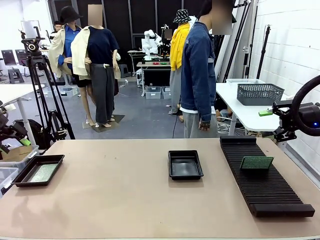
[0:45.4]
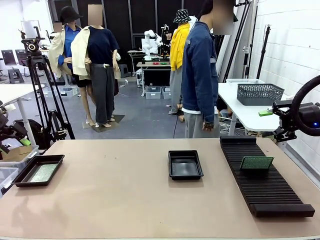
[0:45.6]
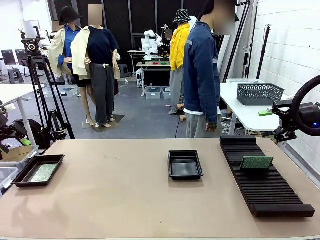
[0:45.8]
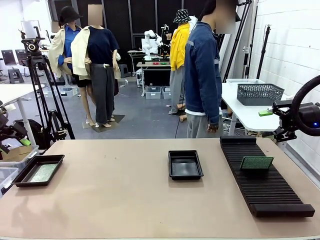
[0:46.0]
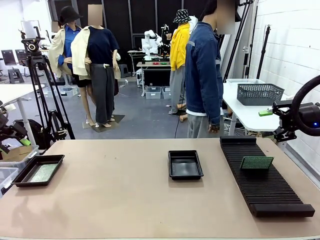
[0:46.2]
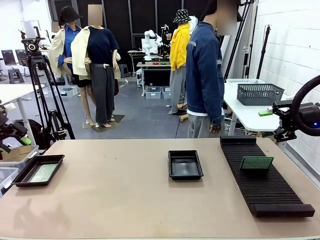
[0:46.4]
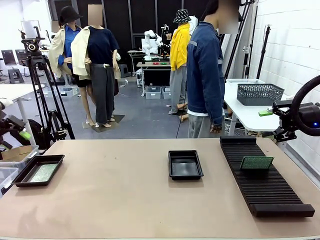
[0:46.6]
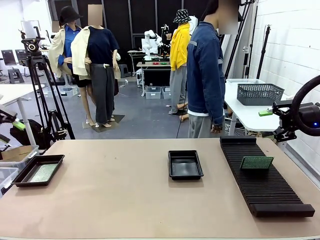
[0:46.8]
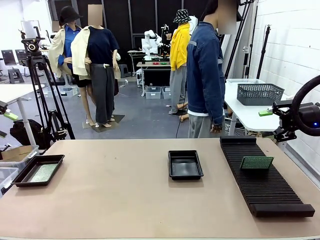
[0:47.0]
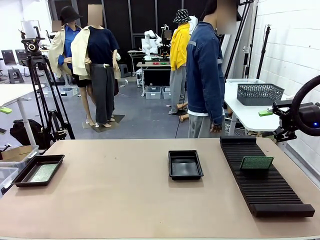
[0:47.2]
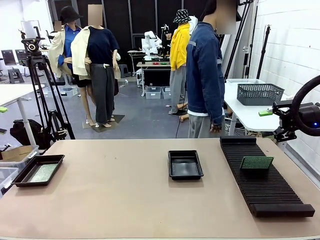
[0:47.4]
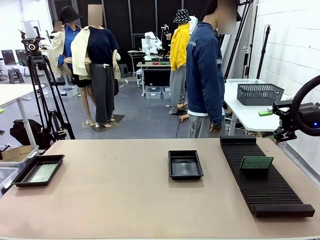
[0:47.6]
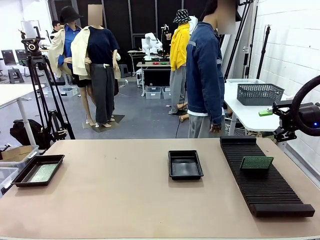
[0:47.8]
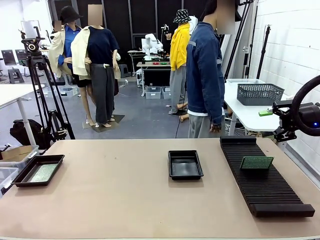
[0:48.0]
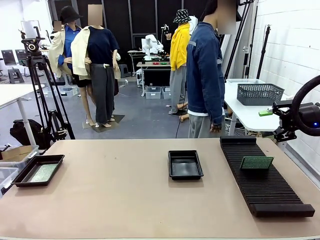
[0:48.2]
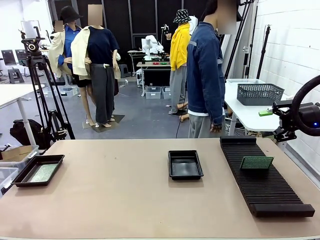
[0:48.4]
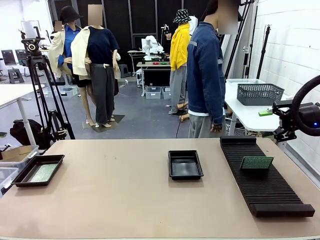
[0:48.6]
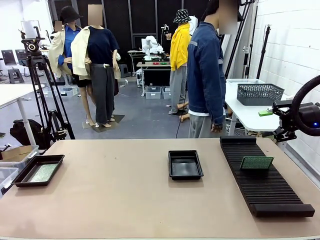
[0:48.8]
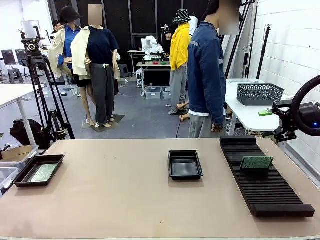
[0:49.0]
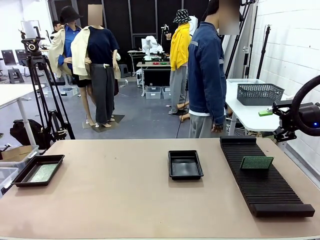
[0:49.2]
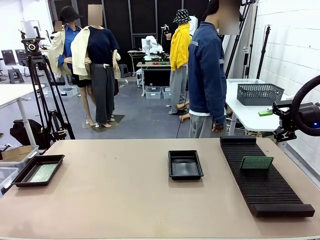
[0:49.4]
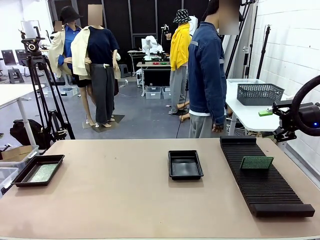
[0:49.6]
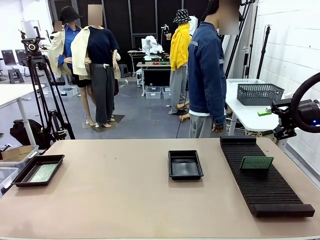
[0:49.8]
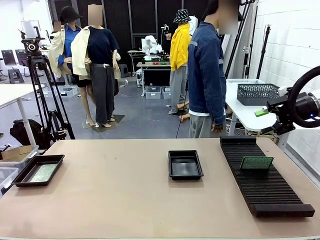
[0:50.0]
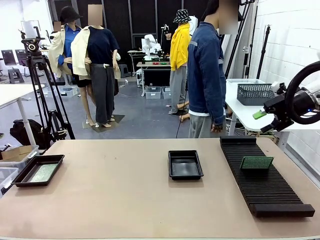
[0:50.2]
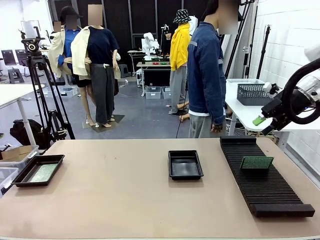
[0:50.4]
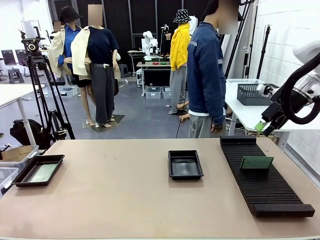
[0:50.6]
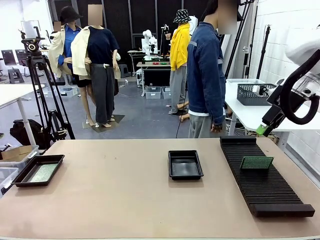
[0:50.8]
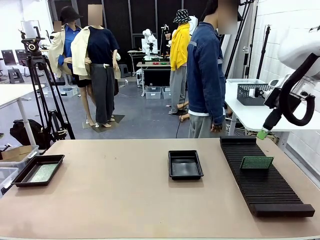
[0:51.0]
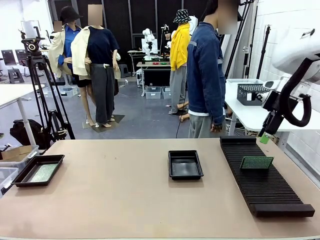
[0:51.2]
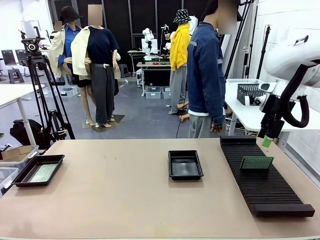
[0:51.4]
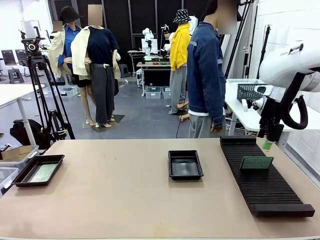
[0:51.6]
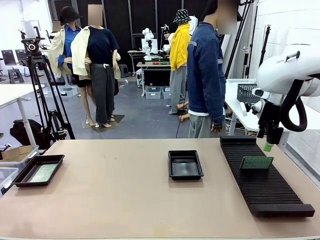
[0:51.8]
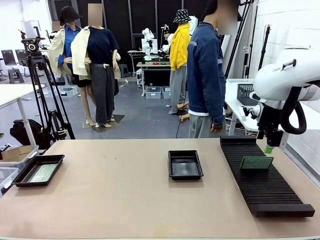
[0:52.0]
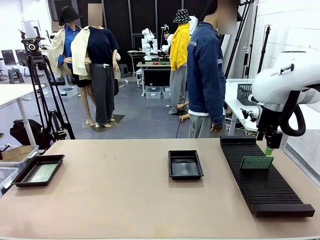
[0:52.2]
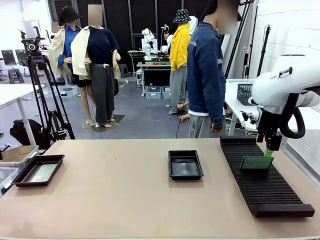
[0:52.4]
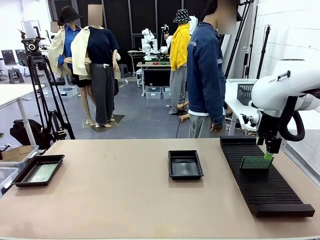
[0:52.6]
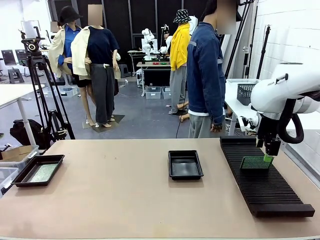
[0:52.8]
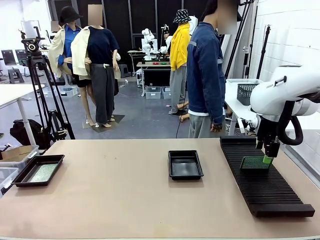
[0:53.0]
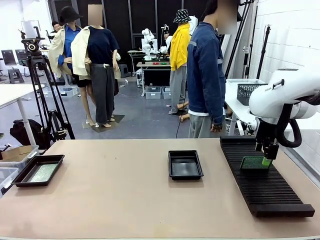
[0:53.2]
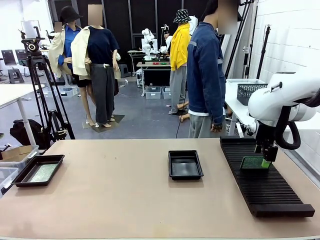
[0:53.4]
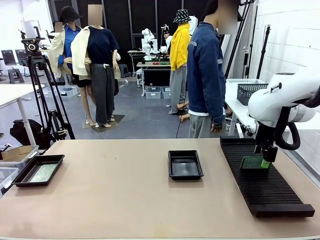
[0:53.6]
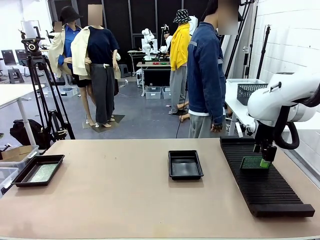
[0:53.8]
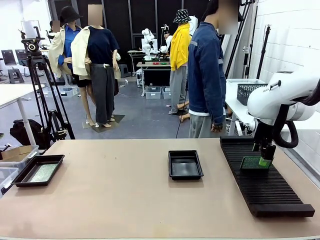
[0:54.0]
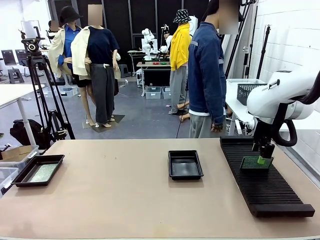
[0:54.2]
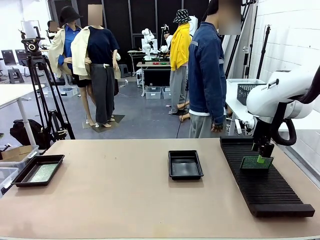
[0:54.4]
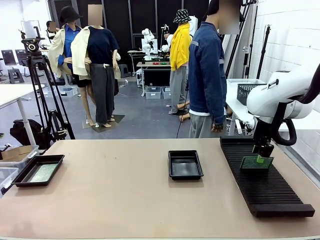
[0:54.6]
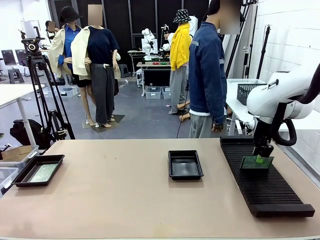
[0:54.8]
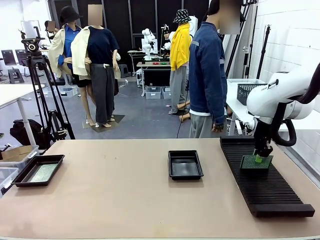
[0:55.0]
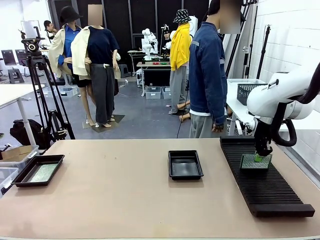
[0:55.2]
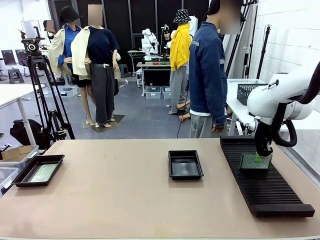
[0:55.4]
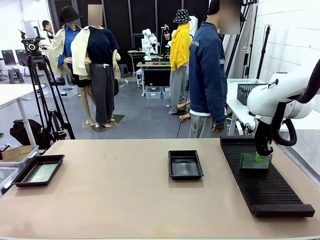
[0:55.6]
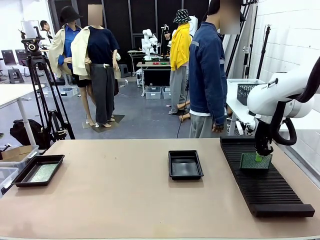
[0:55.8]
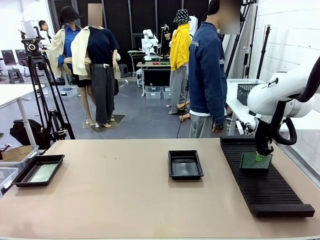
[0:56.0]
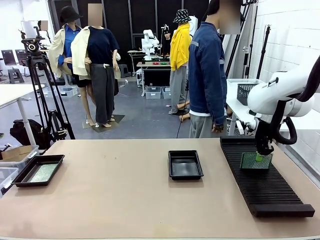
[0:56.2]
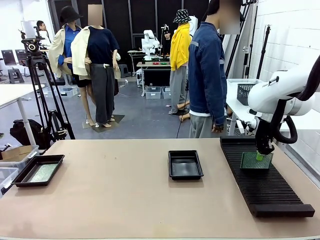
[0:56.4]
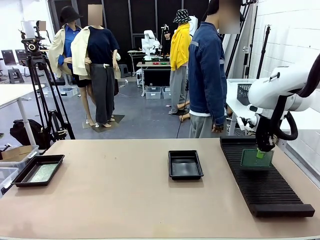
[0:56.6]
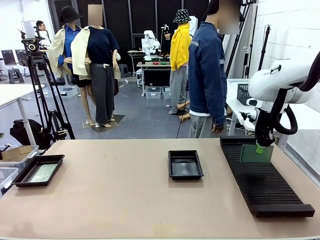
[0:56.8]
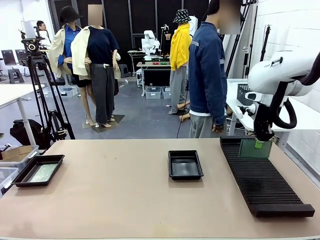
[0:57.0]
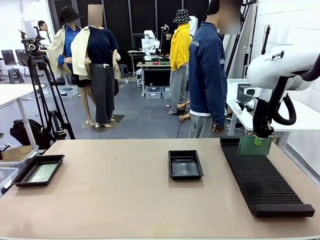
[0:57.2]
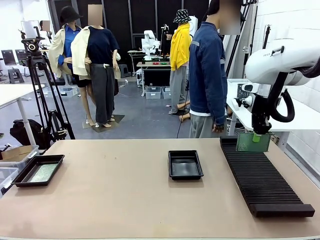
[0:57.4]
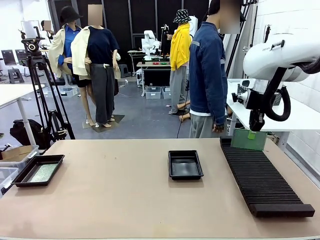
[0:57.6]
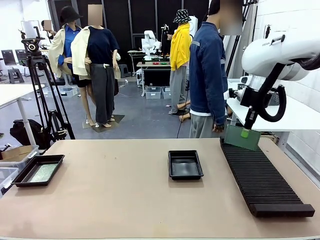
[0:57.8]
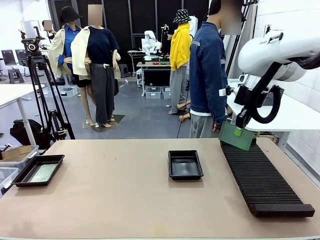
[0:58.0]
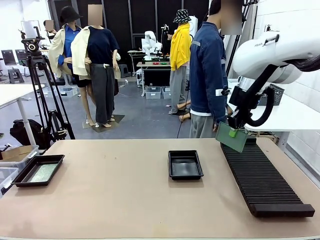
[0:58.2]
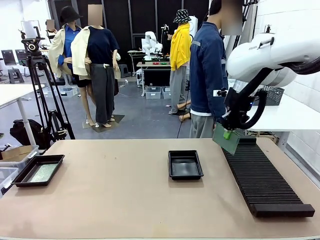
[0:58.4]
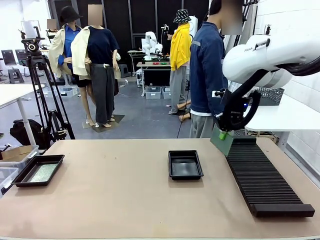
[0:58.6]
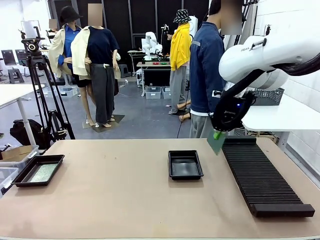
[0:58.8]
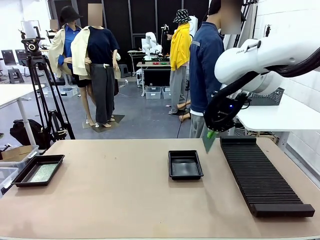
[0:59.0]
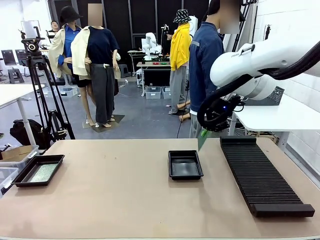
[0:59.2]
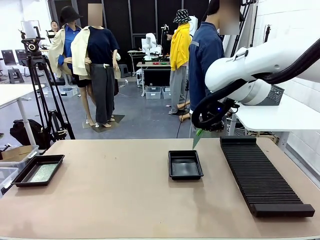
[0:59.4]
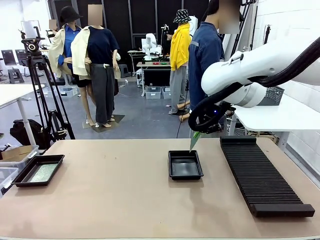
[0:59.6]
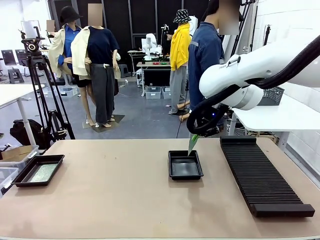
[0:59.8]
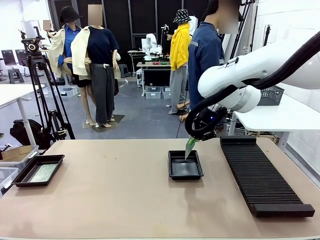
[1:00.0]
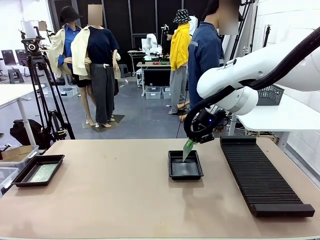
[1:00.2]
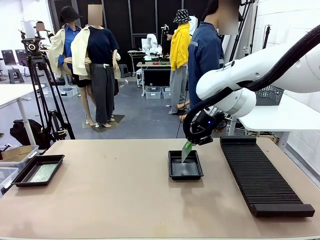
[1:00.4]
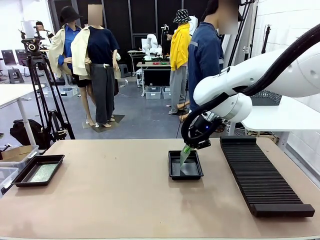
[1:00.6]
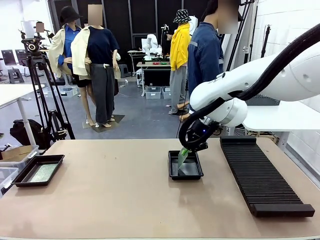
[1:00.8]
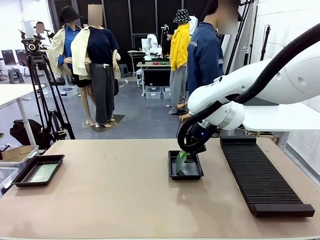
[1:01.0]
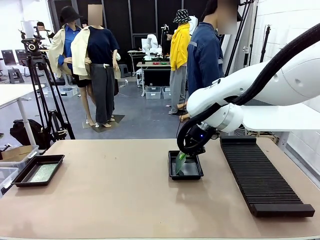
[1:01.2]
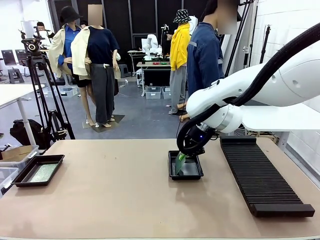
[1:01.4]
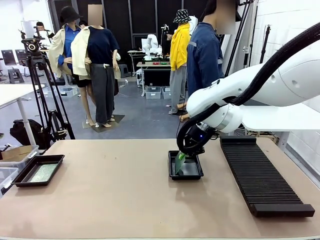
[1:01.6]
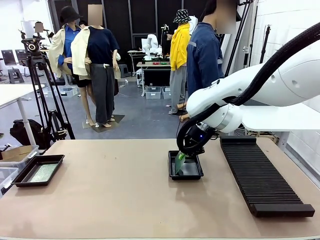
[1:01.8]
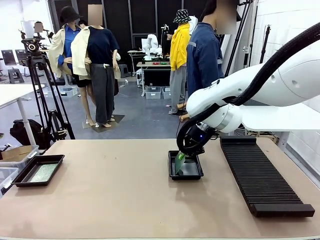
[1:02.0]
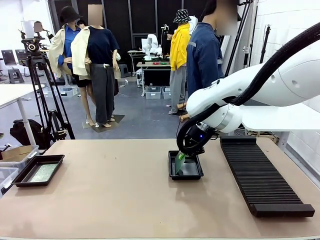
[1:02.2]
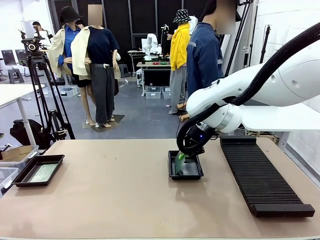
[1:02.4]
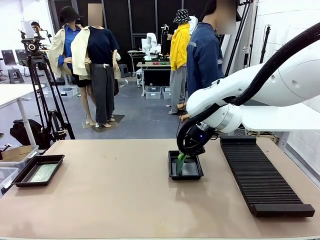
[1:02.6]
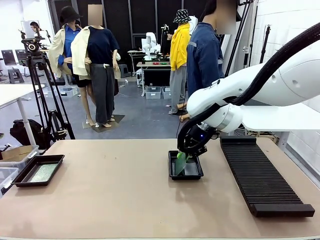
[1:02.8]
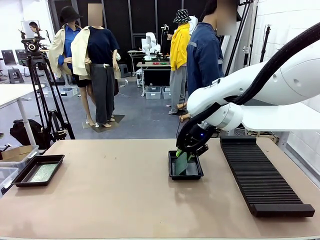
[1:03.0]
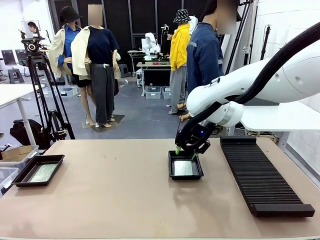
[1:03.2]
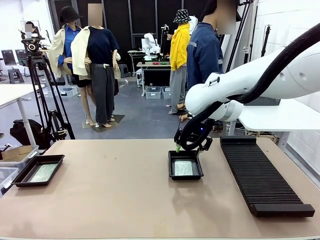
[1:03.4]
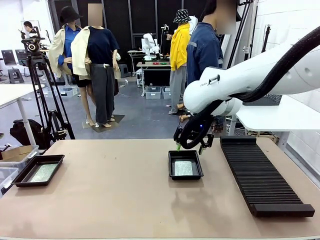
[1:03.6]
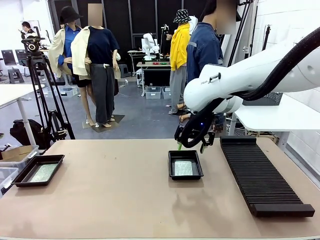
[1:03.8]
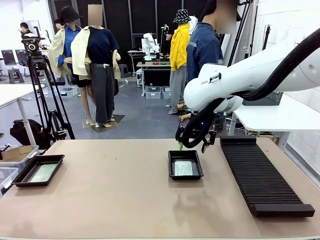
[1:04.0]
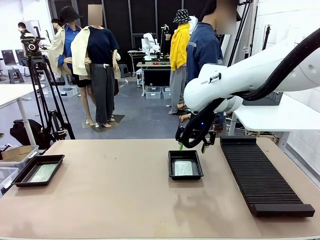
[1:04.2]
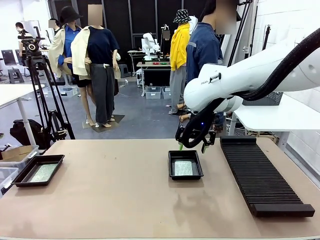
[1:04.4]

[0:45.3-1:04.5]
Task: Inspect and transfer BCBs to ESD trays.
Robot: Pick up the Blank PCB from the PCB Rack and place it in the right ESD tray.
